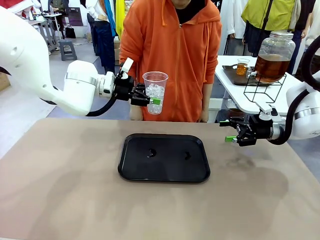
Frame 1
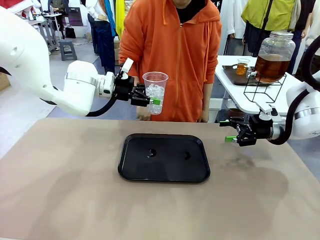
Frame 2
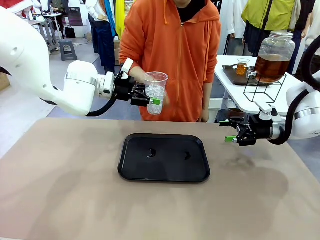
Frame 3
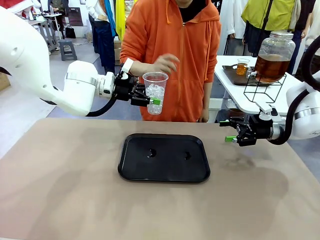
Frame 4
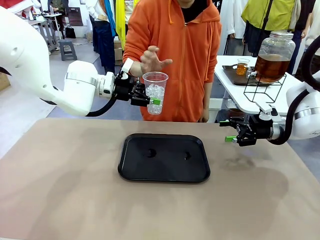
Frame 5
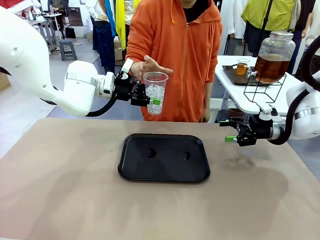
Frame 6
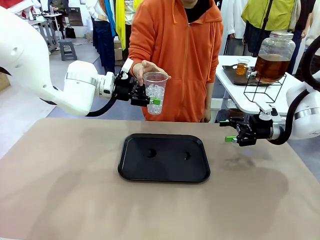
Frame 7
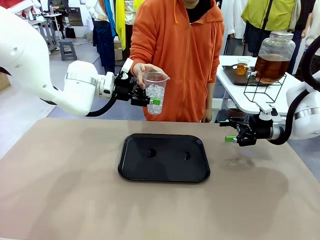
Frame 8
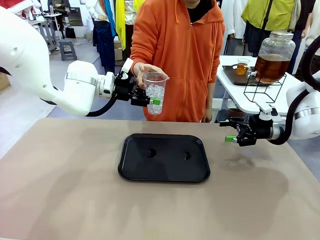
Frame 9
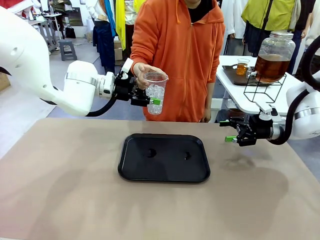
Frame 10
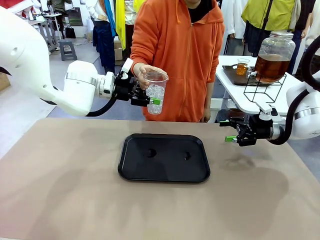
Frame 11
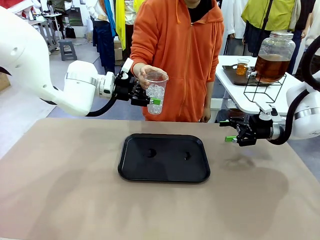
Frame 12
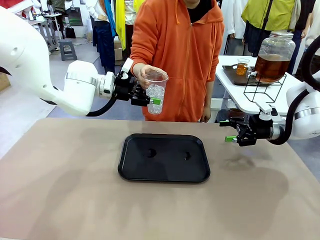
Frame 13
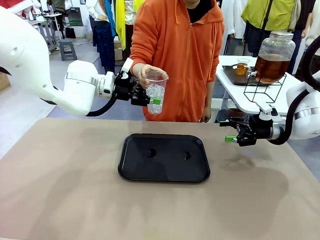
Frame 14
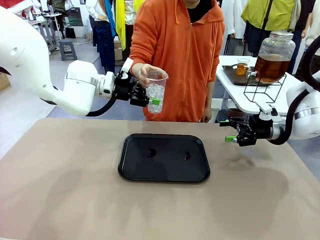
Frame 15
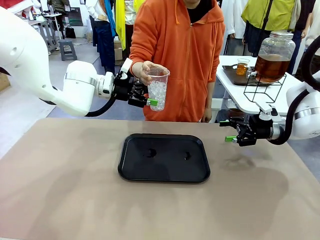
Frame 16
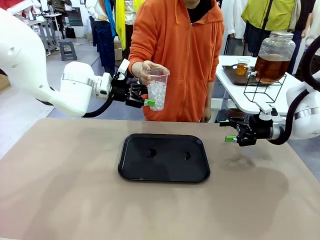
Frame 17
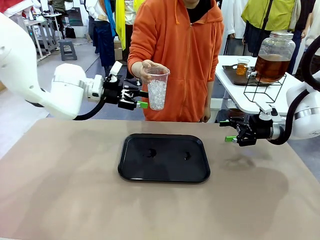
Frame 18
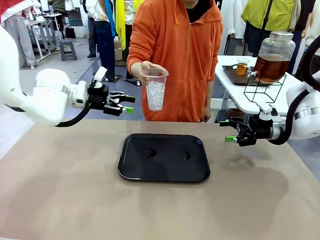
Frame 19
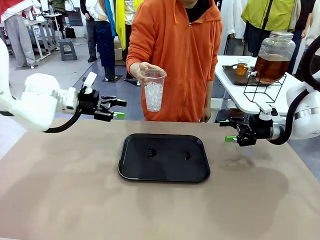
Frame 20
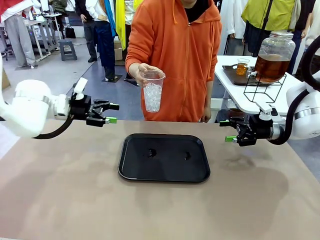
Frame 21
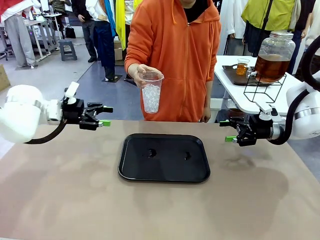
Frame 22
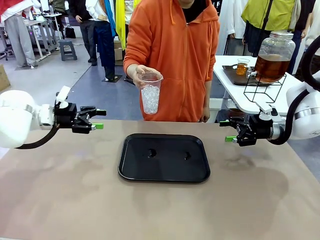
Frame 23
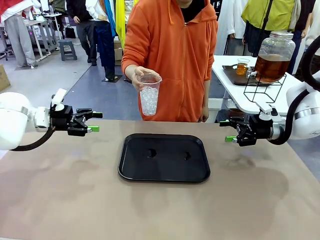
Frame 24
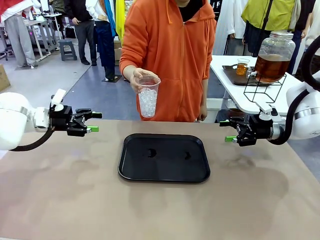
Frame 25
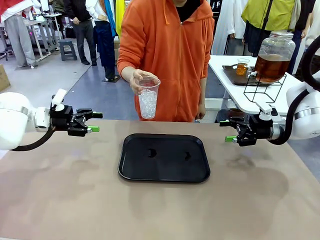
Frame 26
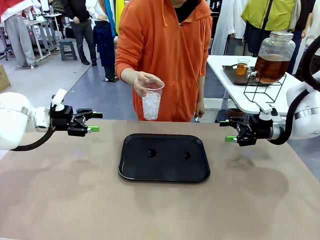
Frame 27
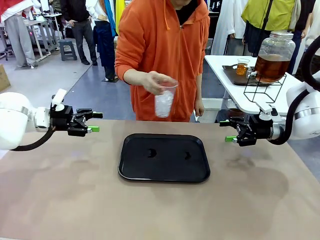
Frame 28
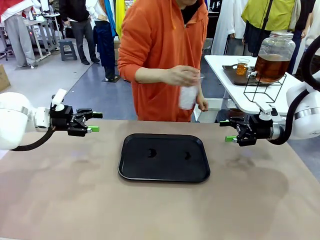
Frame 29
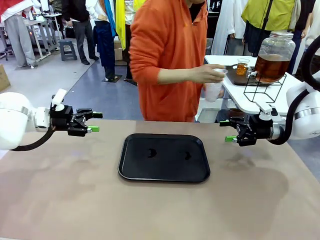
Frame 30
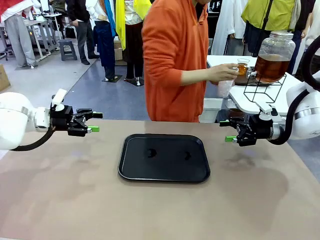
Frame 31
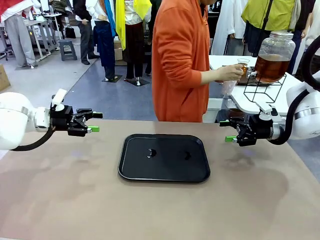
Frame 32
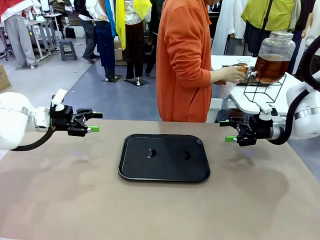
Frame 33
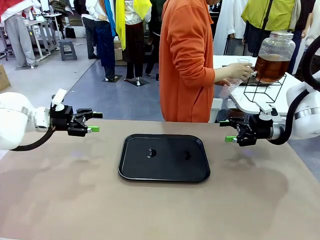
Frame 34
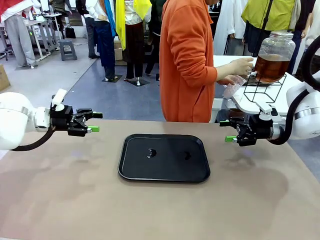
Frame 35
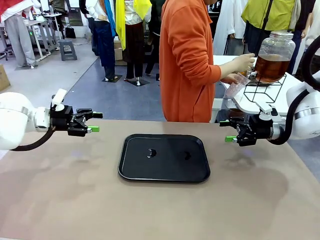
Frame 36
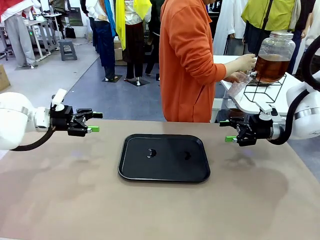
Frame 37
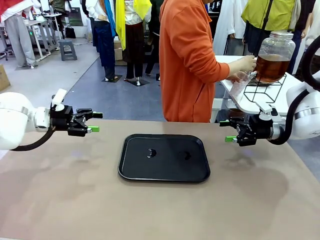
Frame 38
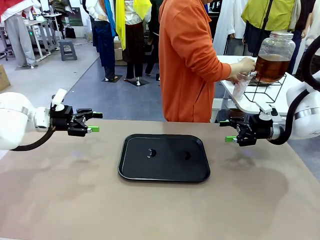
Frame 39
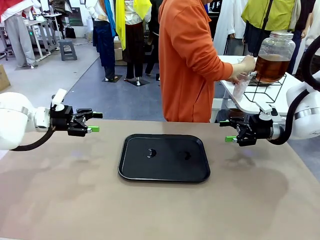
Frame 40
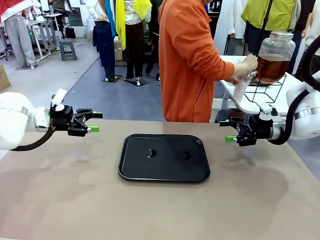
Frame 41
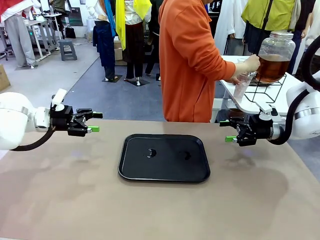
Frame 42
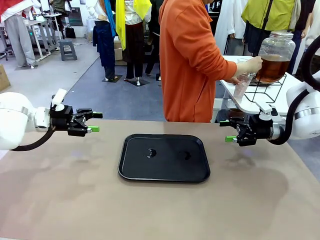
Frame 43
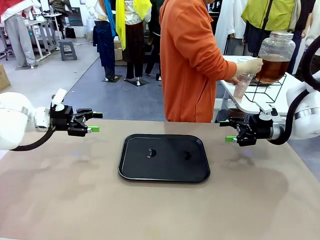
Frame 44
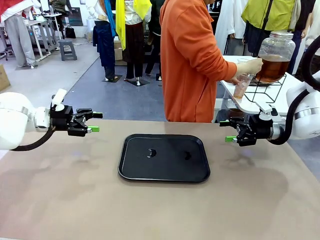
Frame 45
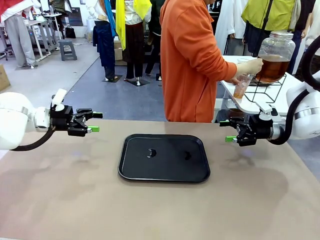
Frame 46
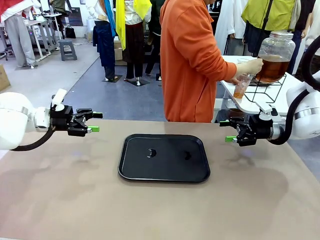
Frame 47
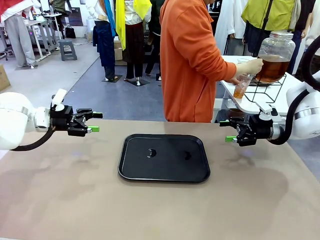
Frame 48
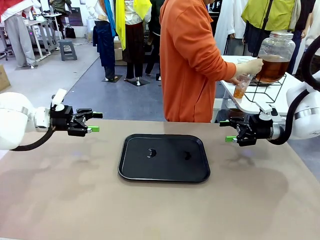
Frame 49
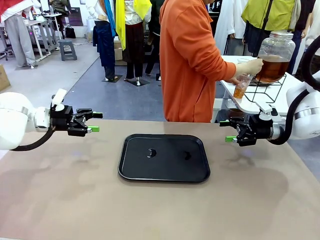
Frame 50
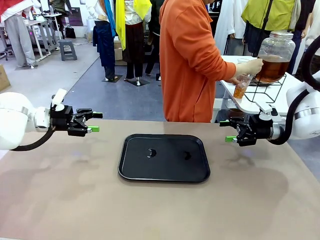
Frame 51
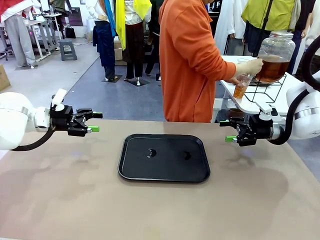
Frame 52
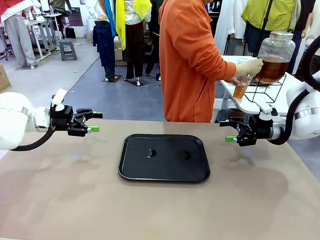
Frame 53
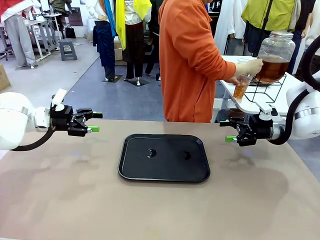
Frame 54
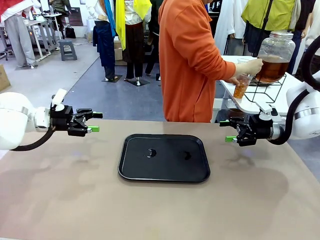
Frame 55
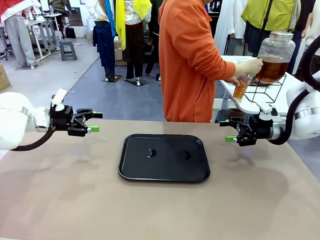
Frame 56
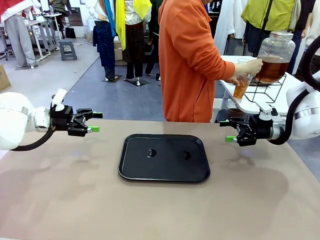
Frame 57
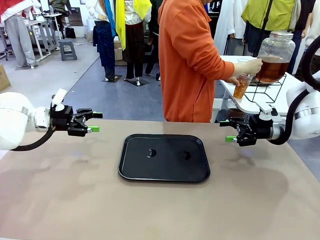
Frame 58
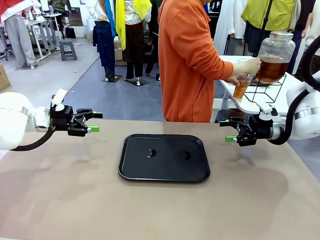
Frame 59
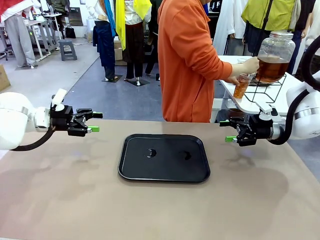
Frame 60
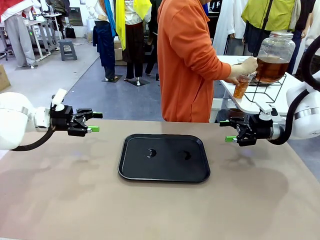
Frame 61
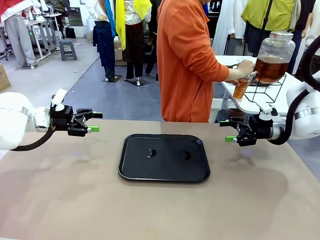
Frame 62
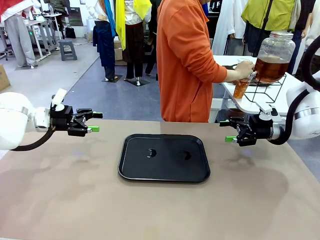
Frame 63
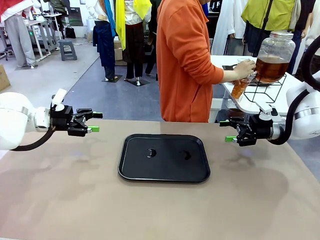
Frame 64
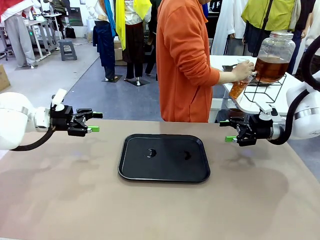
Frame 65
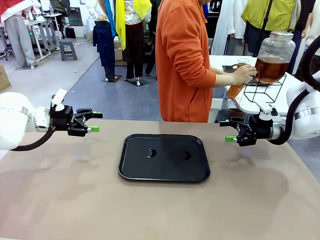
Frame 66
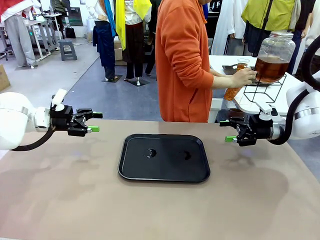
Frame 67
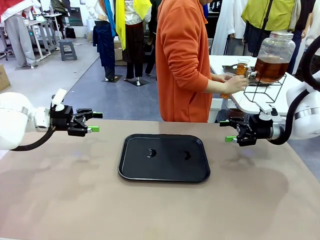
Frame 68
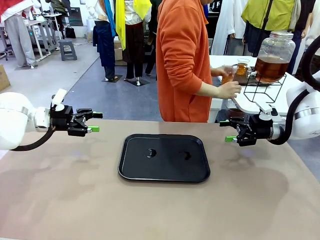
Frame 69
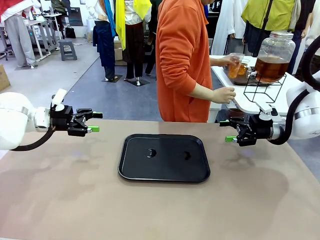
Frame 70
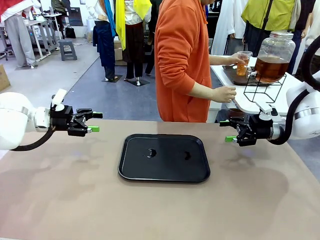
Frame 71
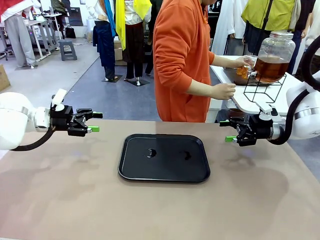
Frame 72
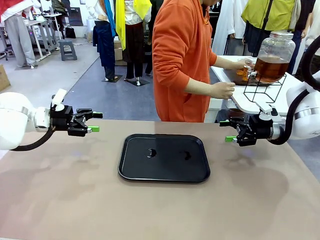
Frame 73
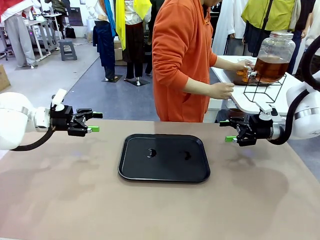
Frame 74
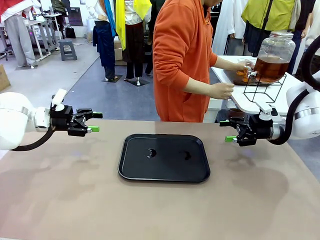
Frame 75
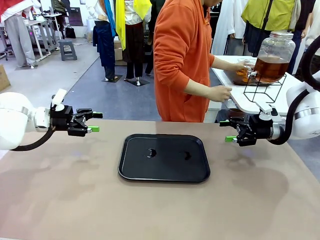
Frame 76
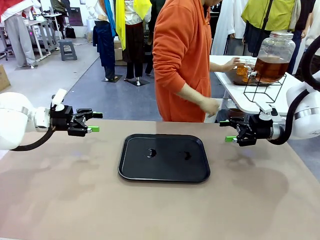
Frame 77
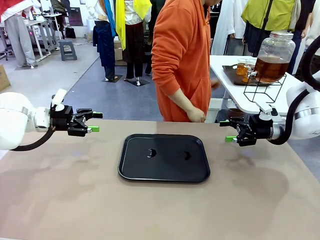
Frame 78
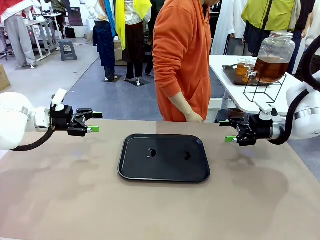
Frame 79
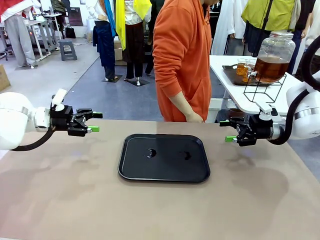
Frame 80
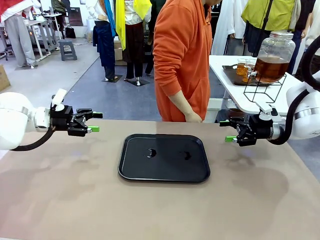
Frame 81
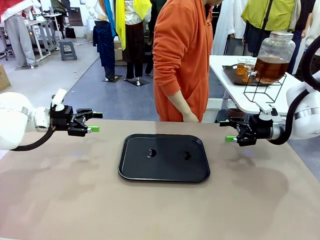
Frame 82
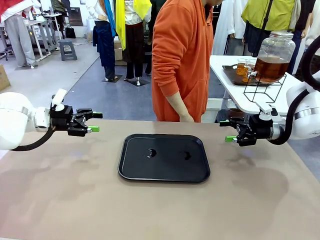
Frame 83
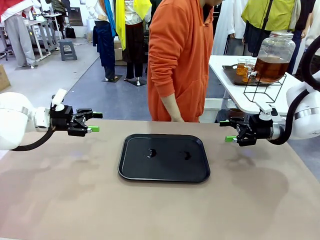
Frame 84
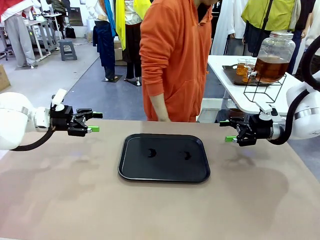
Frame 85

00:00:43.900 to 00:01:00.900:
Task: Pour the drink into the iced cup.
Robot: Open the gripper to release the iced cup you were holding.
Person: Move the picked-up cup under the dispenser faucet, pour the drink, and place it on the tray on the human table.

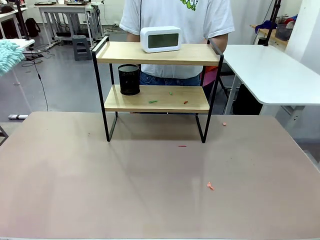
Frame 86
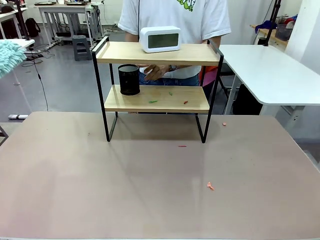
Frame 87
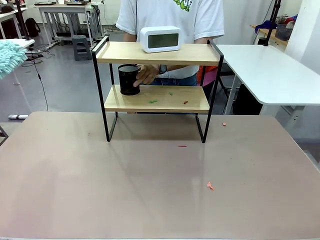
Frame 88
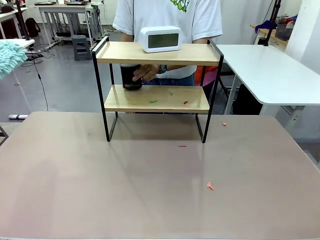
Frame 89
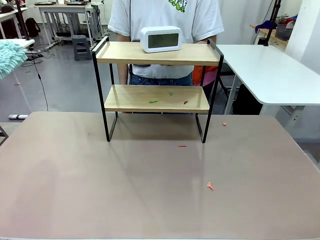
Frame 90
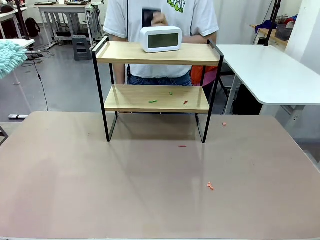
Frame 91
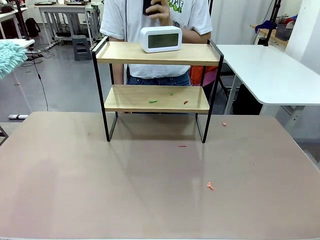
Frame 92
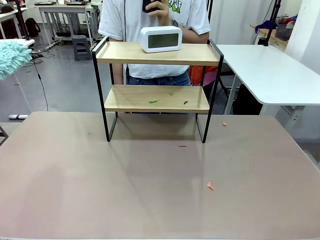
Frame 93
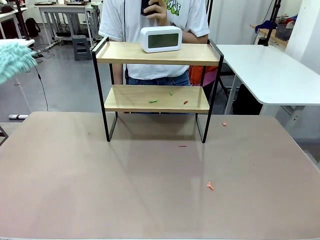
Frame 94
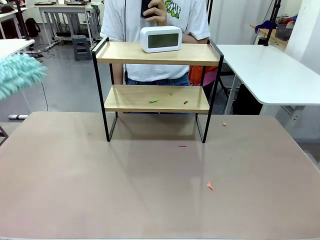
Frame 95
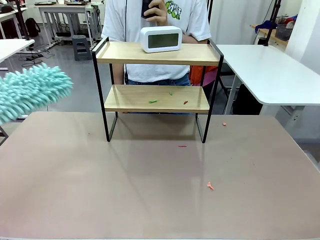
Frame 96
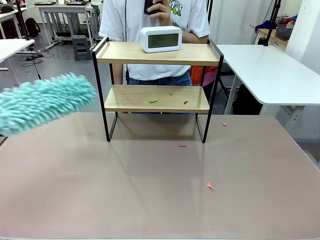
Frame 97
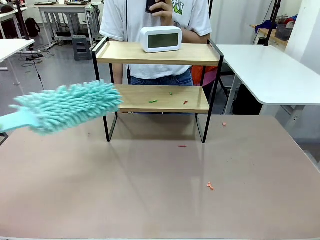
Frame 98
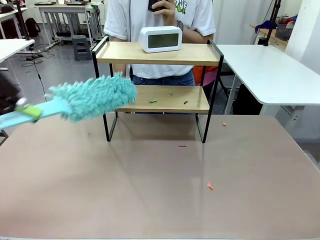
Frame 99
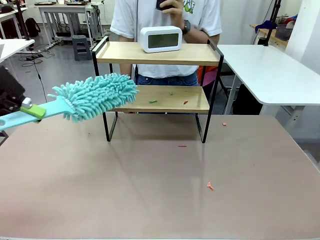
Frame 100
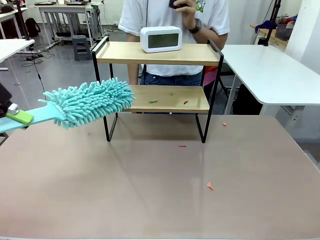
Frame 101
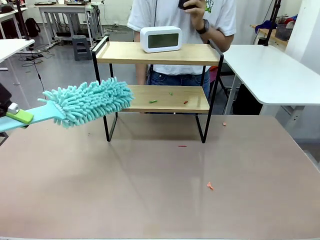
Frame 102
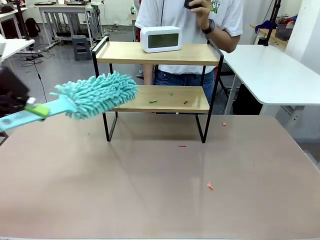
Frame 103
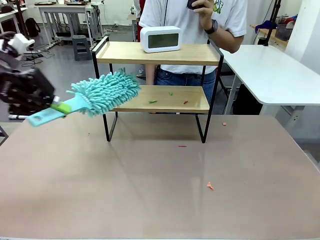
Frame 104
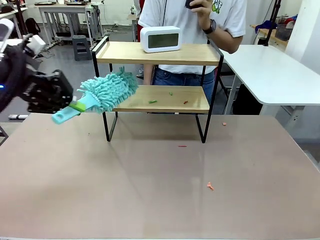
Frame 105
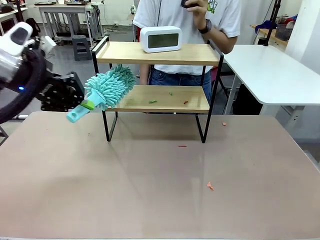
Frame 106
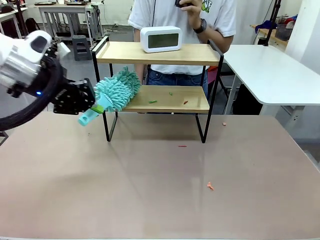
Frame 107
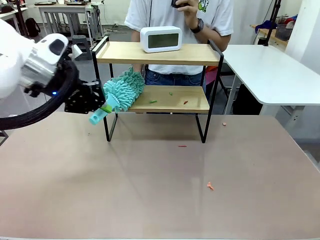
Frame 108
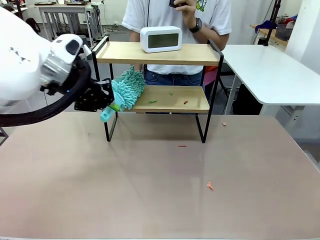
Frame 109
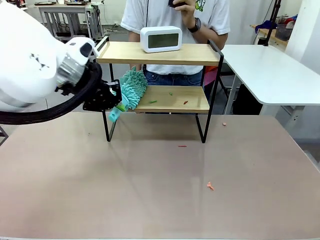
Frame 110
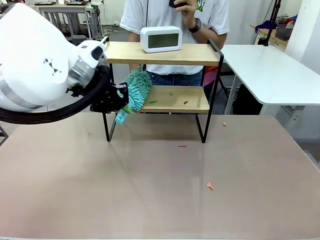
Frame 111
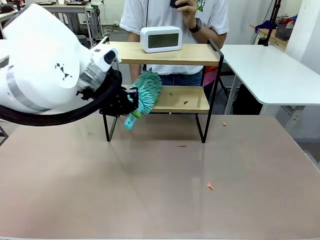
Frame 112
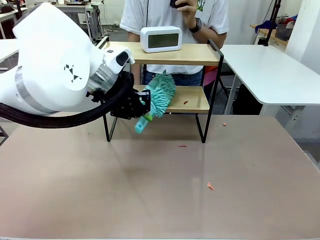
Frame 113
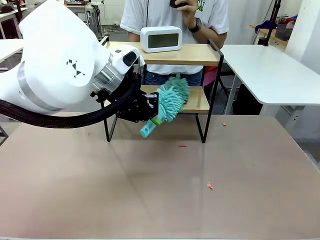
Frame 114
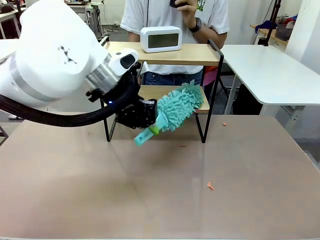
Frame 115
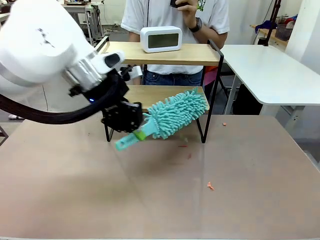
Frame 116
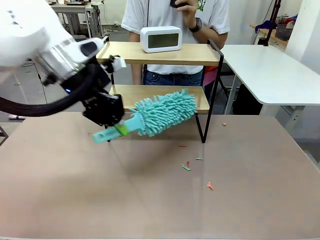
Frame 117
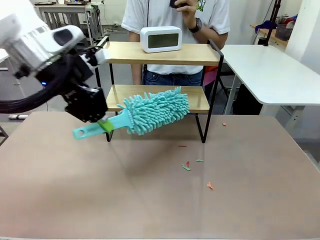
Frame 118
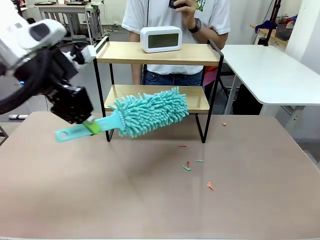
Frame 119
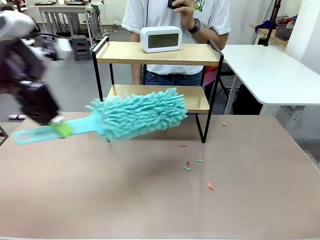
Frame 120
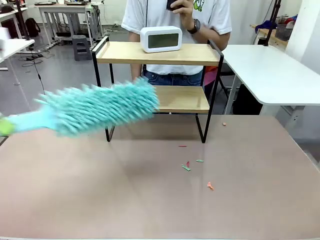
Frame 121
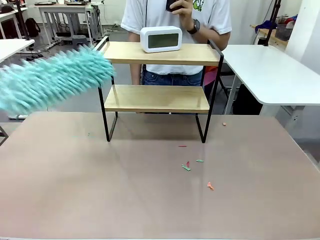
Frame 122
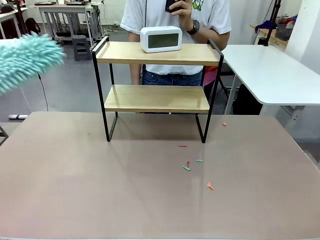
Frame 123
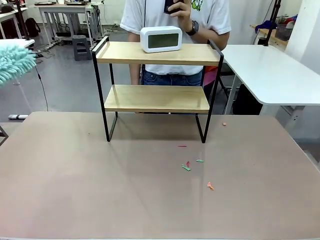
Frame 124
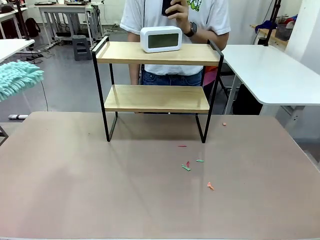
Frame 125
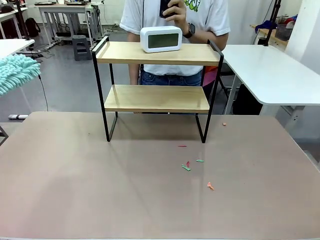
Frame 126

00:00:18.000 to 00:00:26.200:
Task: Clean the shelf.
Robot: Clean the remaining tier of the Shelf with the Duster once objects are removed.
